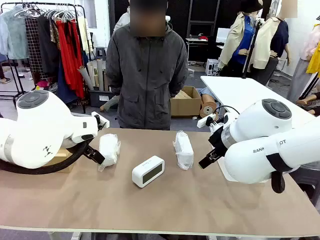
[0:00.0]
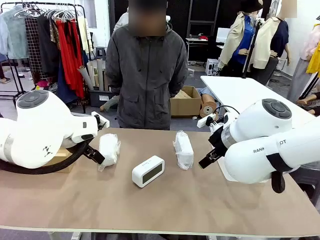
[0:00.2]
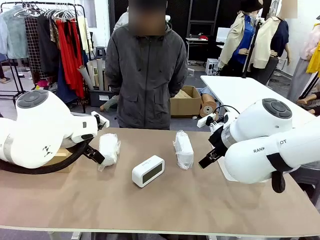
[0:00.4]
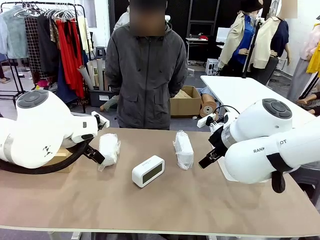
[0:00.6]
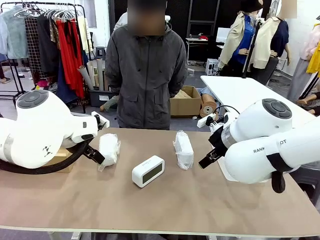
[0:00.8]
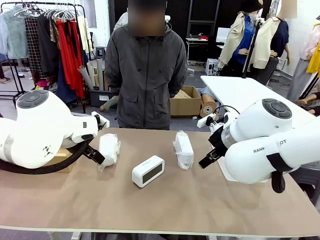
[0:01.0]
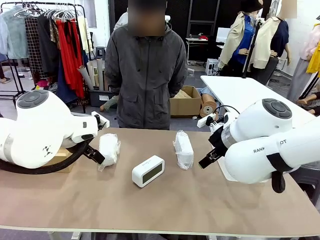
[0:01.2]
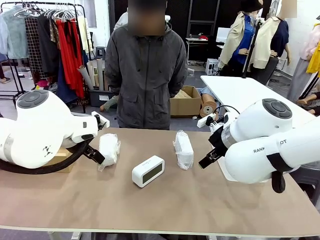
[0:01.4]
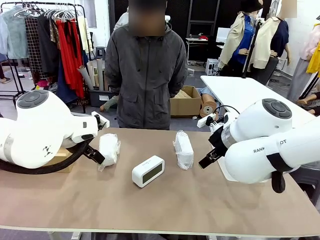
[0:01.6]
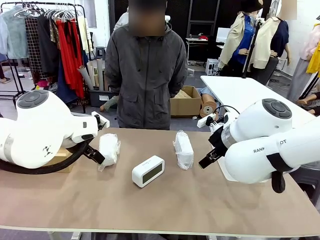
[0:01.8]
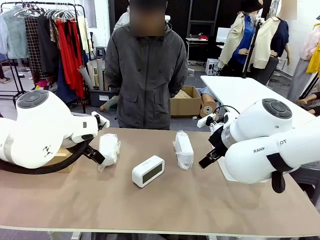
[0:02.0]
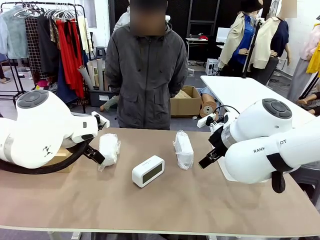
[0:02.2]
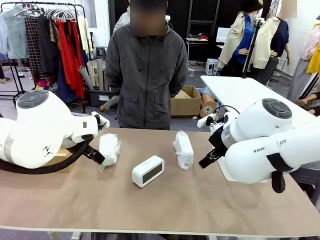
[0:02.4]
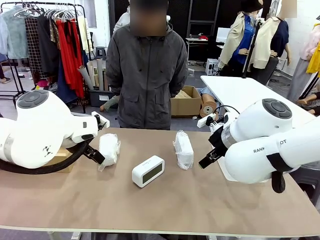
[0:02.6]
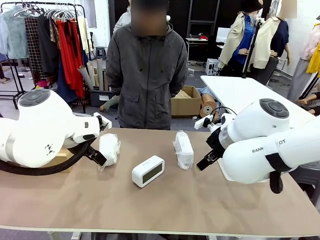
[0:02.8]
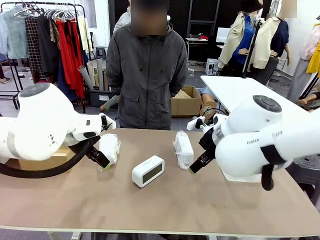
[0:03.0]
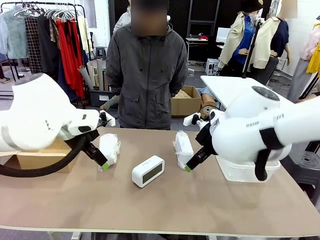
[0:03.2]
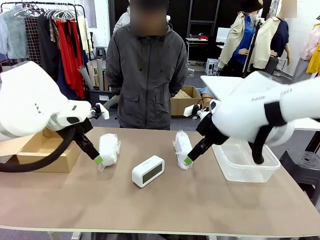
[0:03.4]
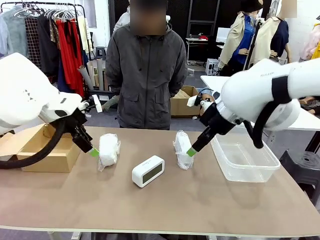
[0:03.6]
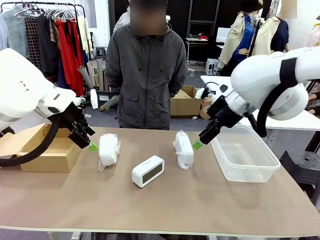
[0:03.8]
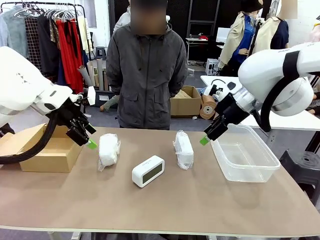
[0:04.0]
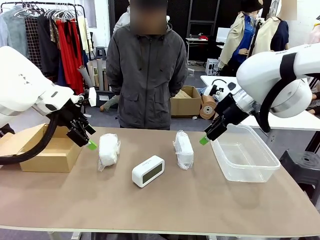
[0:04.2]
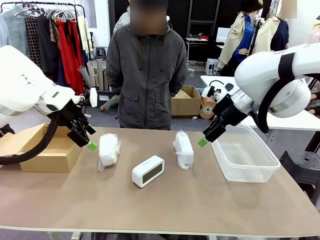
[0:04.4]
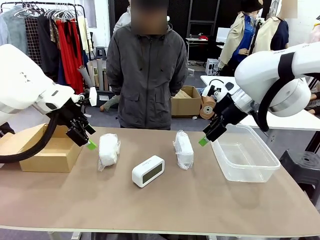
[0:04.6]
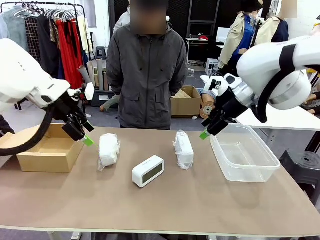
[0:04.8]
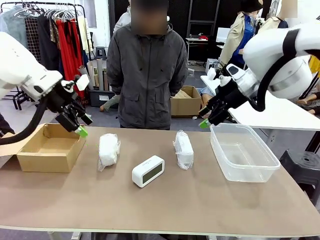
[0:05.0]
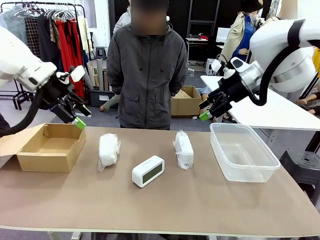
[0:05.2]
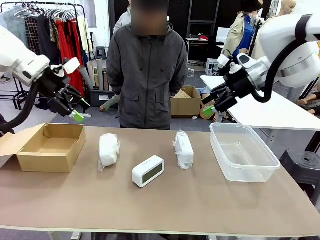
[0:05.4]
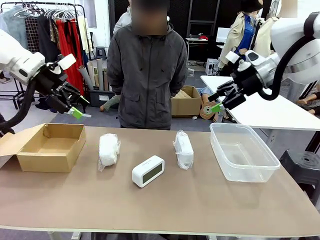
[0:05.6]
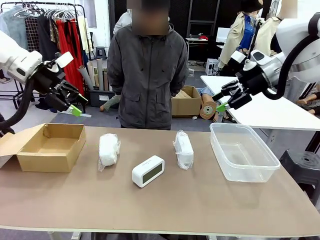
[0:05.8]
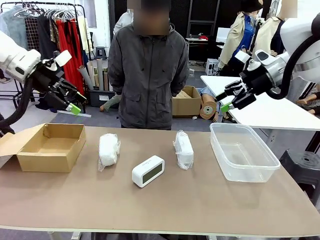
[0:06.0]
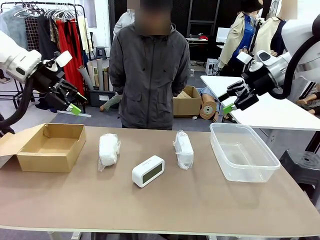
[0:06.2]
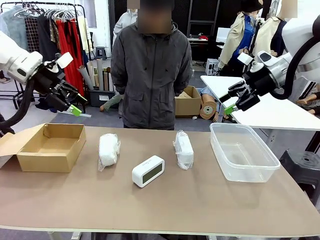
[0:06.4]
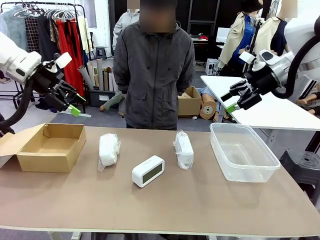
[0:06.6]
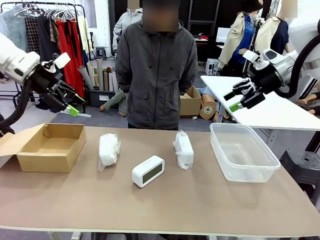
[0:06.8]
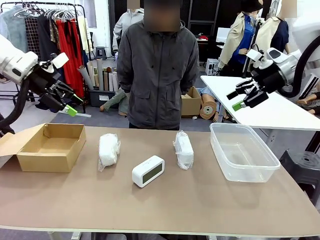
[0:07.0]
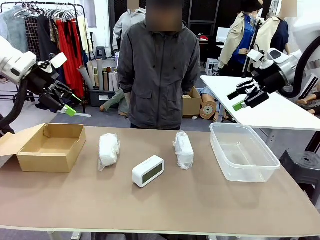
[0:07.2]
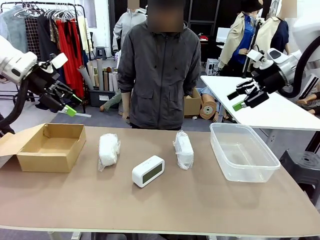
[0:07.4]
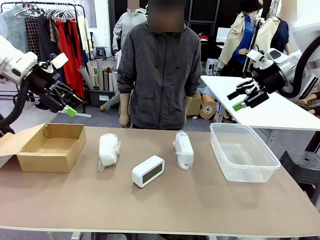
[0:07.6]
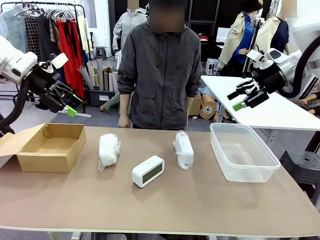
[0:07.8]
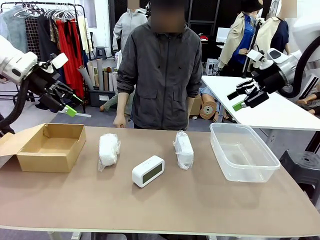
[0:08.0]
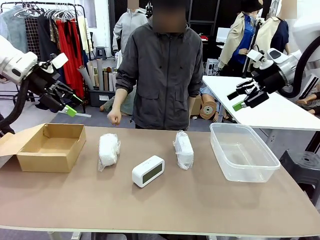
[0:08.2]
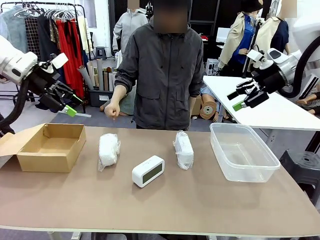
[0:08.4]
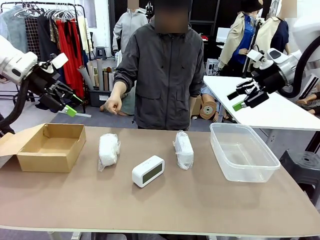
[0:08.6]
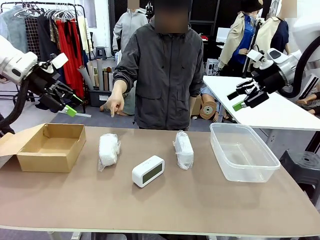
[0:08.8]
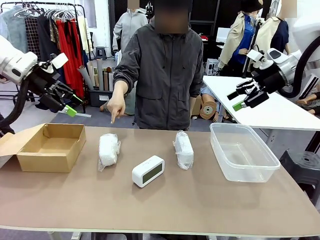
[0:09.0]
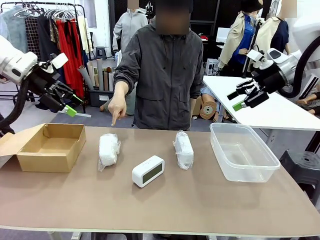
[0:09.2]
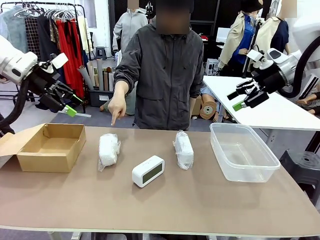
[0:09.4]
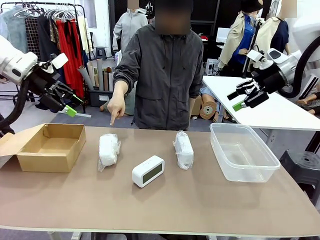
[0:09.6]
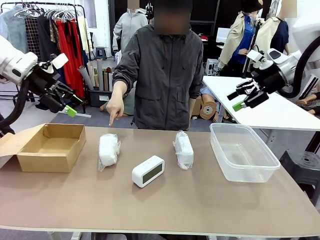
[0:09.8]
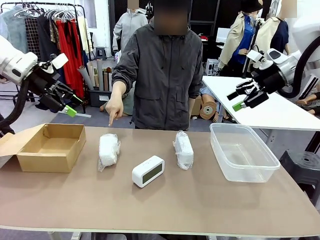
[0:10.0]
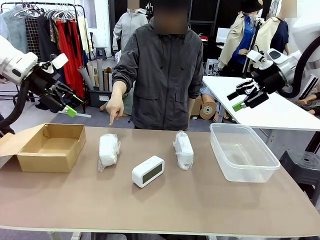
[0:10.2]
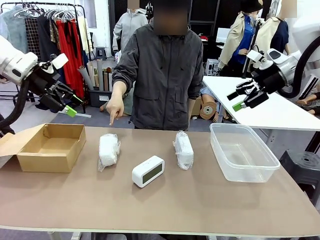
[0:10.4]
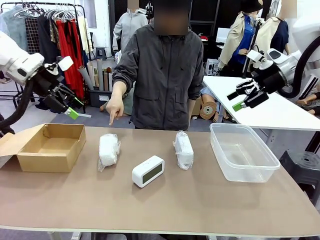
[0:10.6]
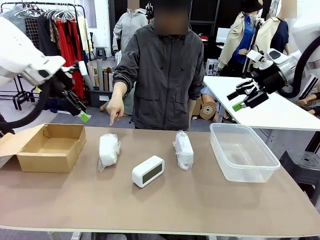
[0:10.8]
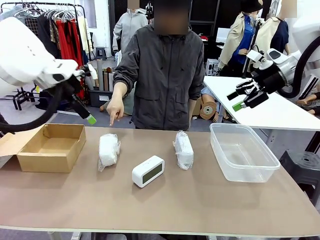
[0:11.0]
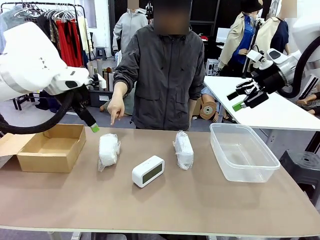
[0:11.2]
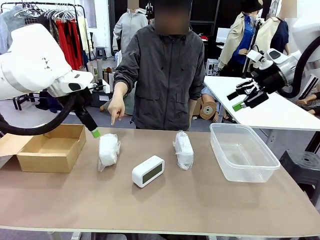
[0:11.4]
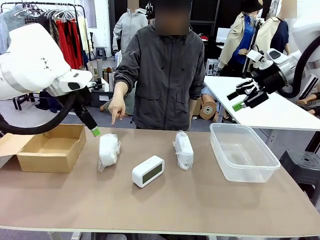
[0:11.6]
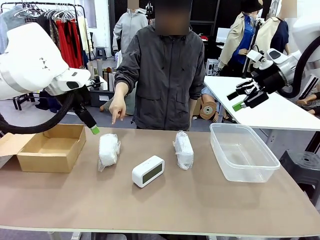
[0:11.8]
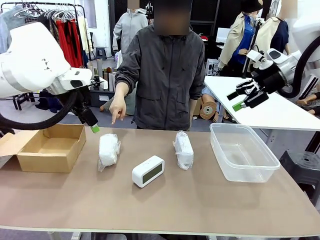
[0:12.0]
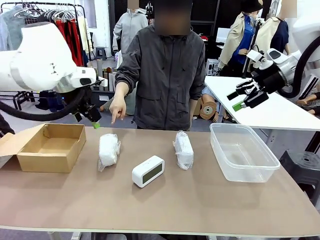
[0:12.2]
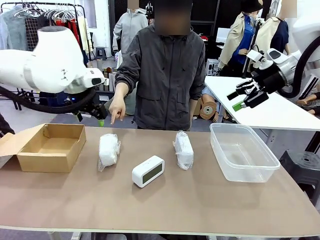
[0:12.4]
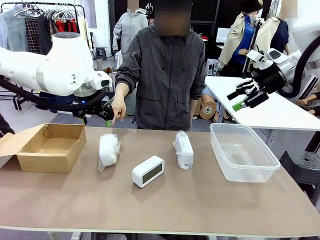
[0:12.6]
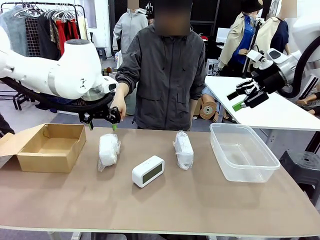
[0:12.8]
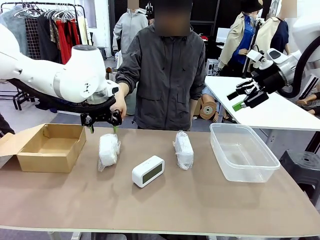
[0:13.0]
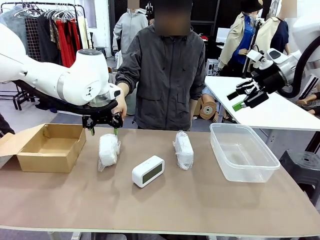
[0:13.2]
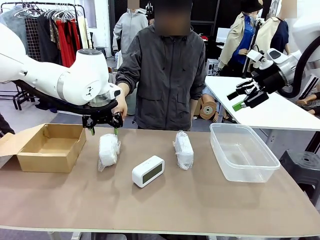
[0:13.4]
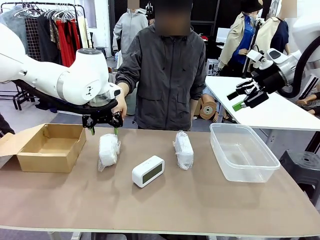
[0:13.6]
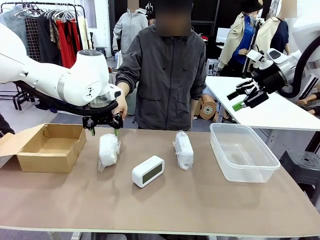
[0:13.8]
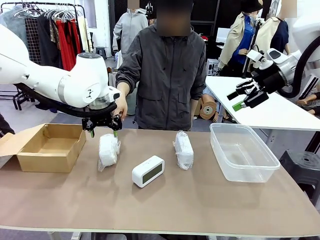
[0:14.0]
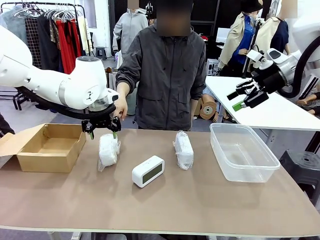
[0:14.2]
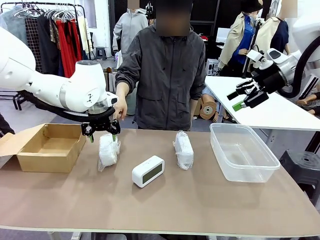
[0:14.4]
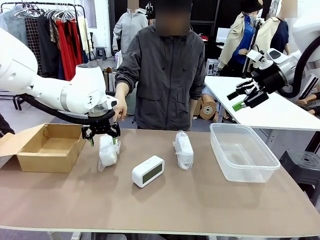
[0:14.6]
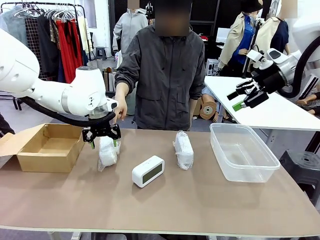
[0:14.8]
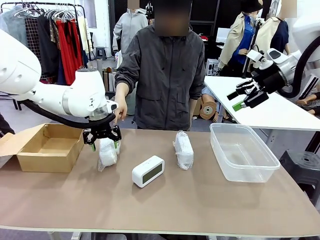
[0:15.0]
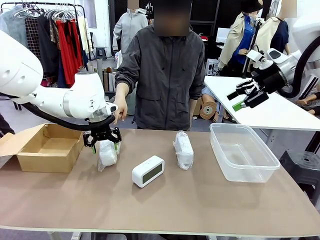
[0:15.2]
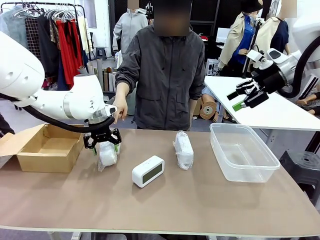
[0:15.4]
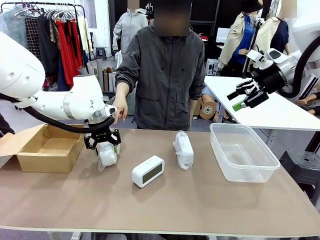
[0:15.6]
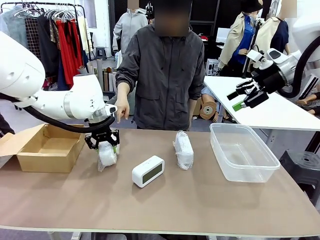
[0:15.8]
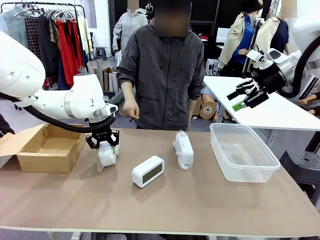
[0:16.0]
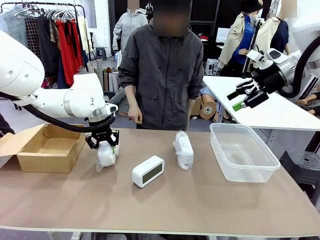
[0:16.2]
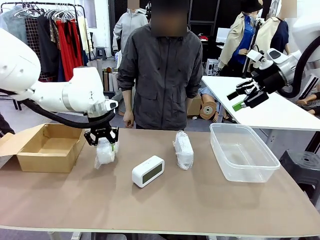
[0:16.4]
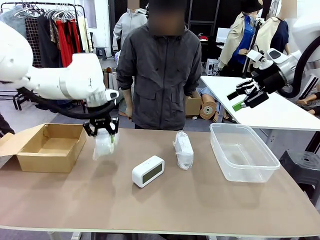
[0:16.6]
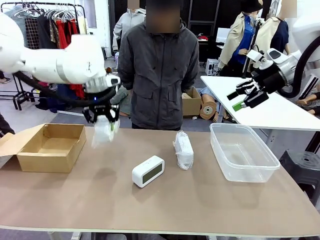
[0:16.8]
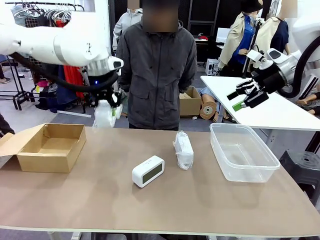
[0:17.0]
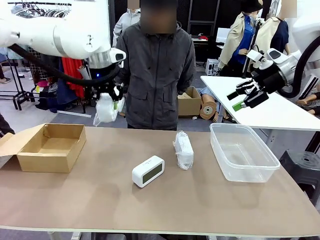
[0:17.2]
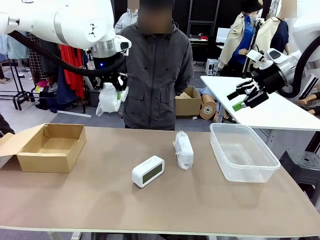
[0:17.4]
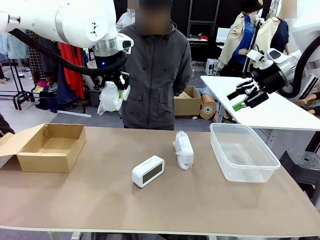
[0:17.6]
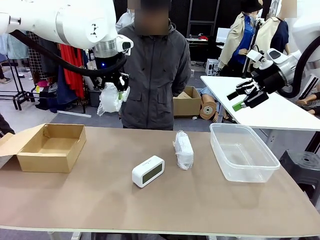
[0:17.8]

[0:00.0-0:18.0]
Task: Separate and place wrapped and unwrapped clocks.
Robot: Pick up the Digital clock indicated by the person.
